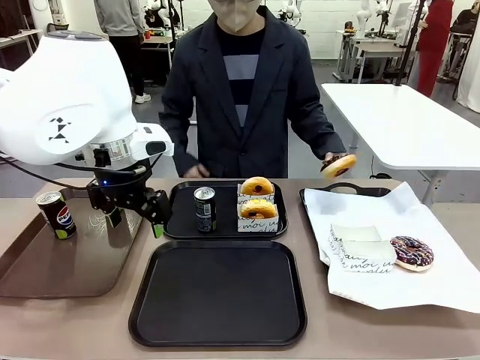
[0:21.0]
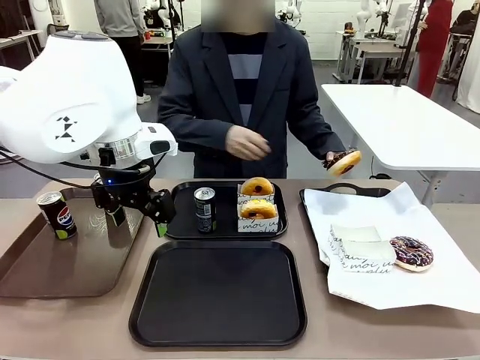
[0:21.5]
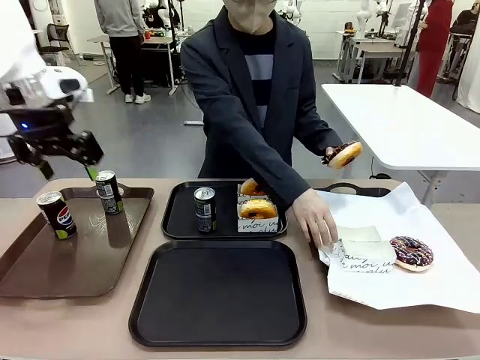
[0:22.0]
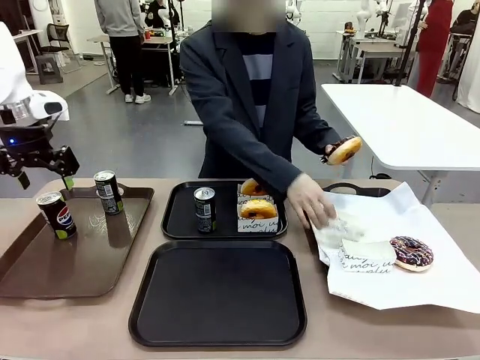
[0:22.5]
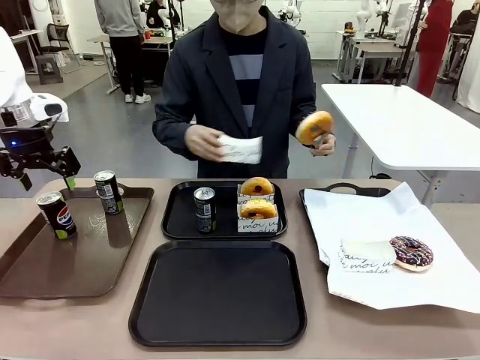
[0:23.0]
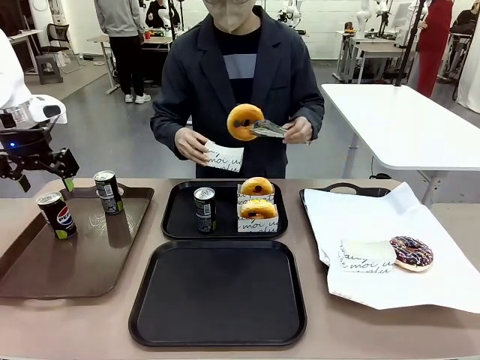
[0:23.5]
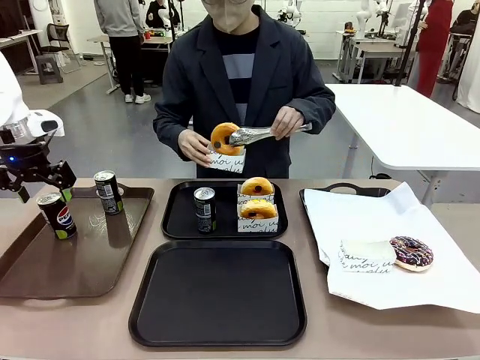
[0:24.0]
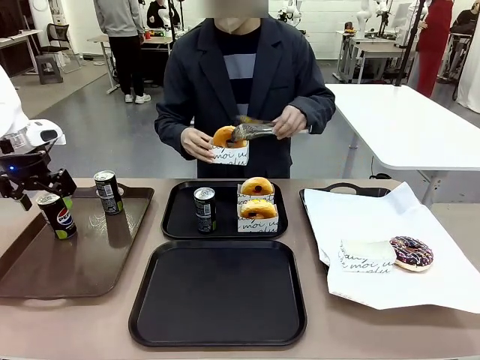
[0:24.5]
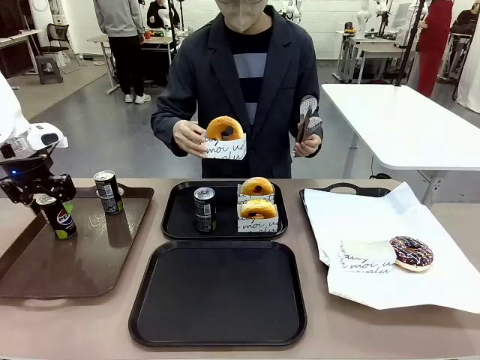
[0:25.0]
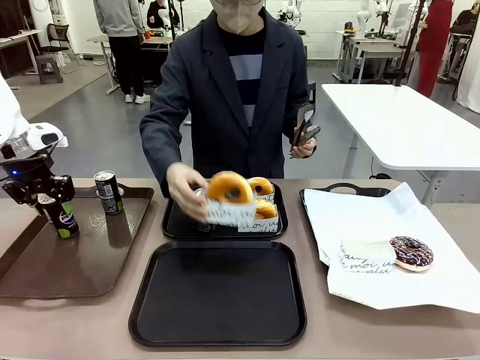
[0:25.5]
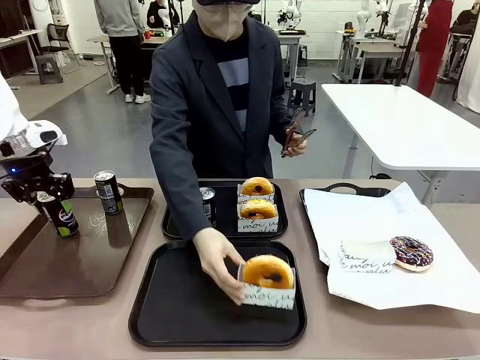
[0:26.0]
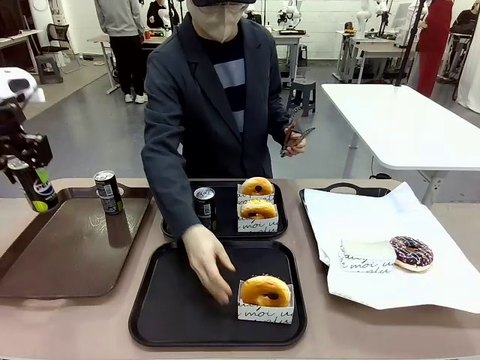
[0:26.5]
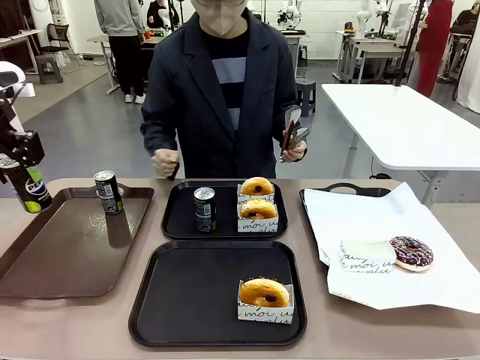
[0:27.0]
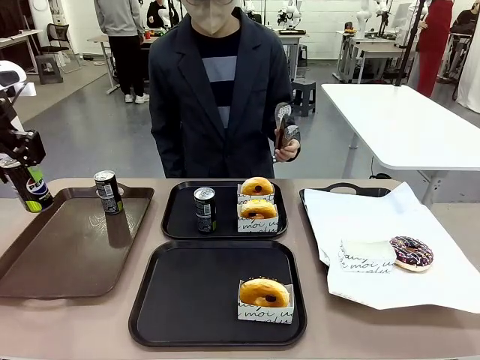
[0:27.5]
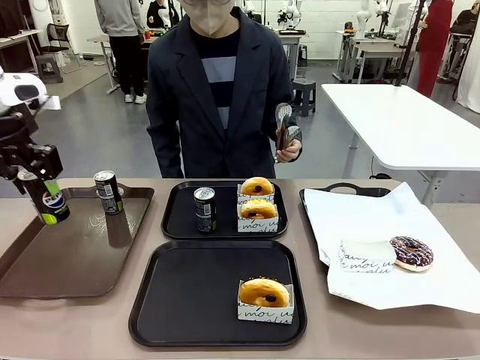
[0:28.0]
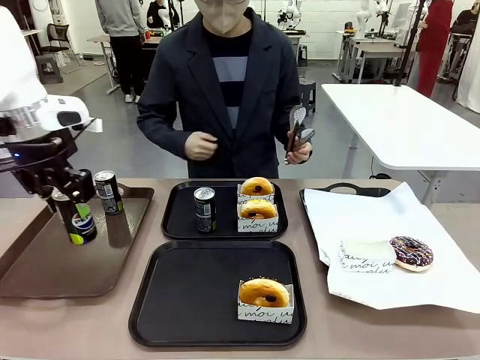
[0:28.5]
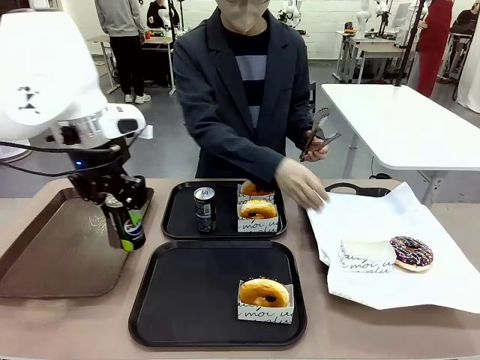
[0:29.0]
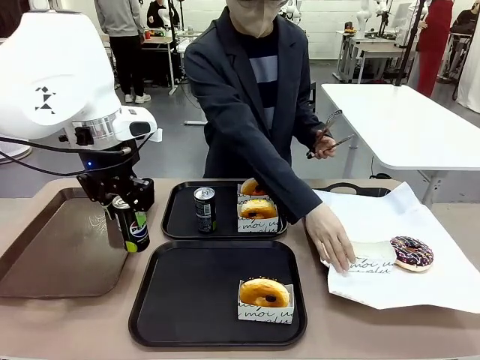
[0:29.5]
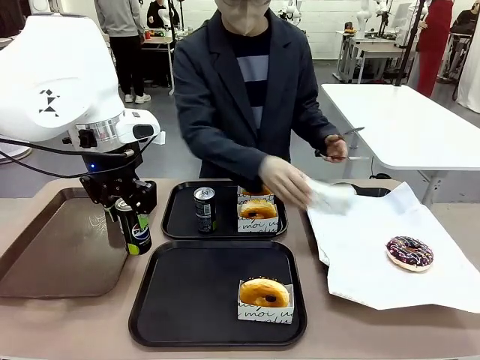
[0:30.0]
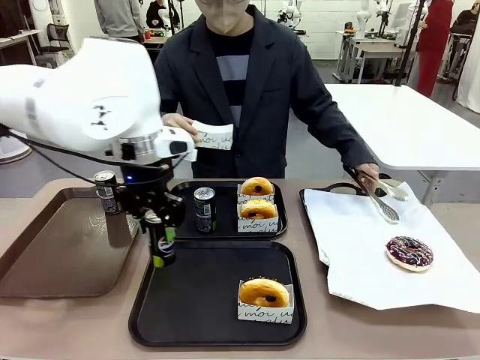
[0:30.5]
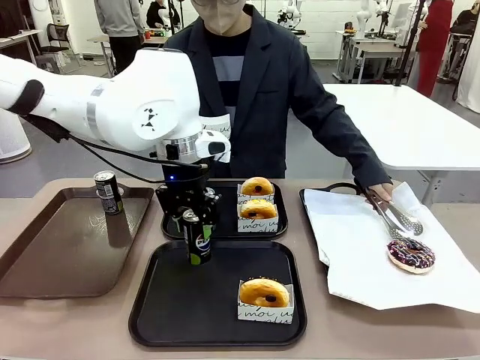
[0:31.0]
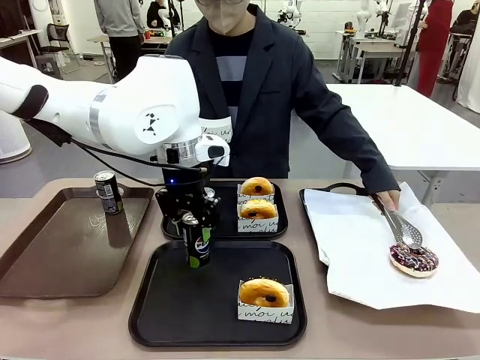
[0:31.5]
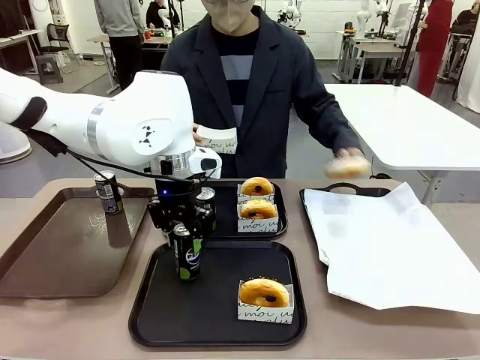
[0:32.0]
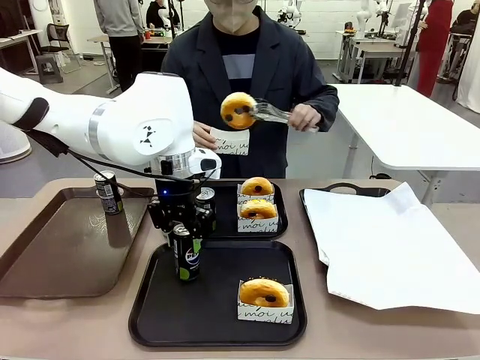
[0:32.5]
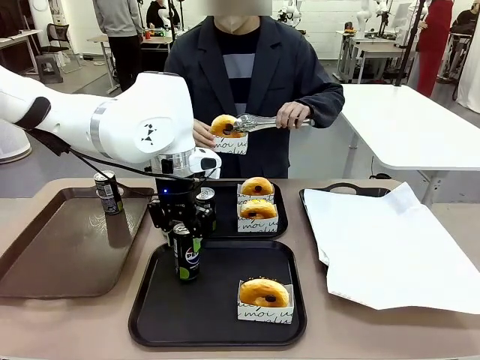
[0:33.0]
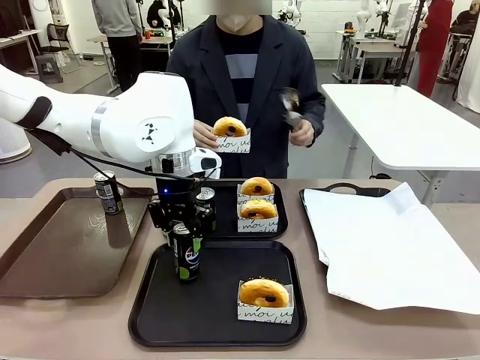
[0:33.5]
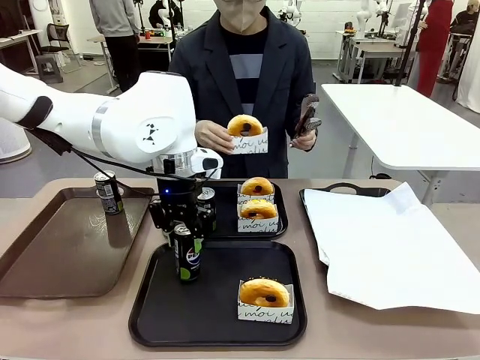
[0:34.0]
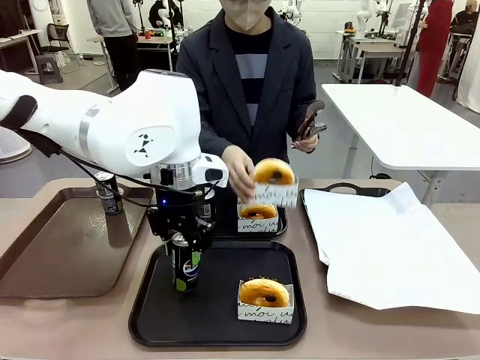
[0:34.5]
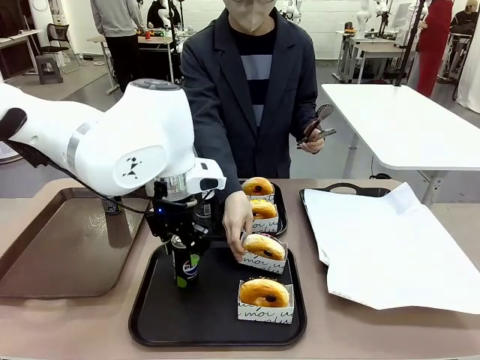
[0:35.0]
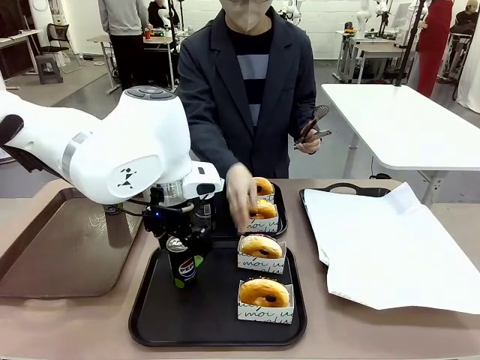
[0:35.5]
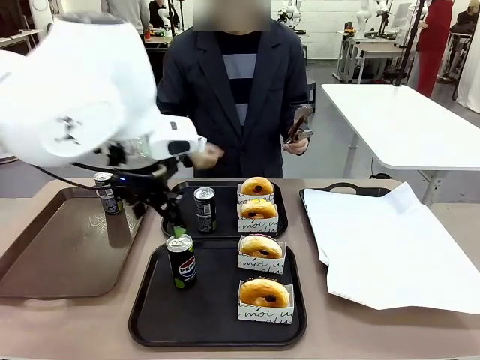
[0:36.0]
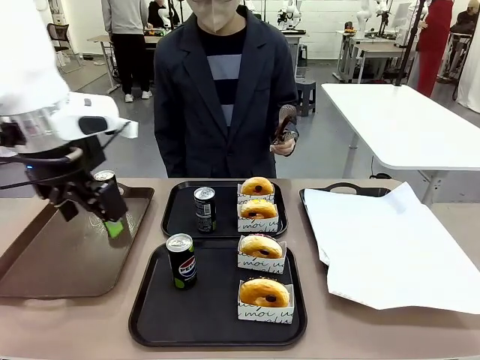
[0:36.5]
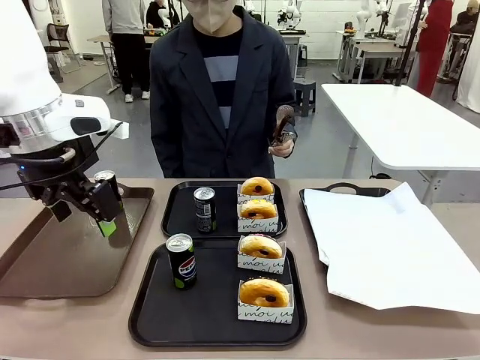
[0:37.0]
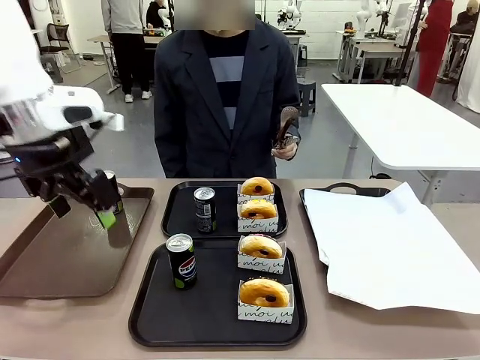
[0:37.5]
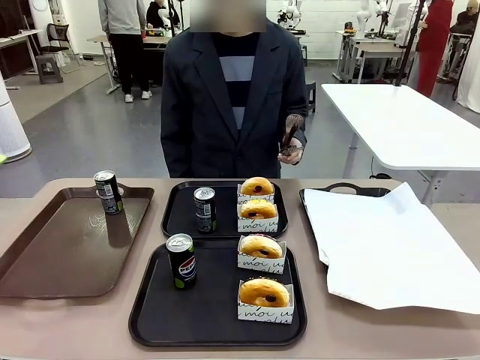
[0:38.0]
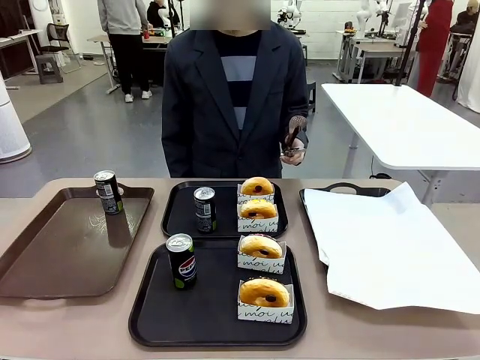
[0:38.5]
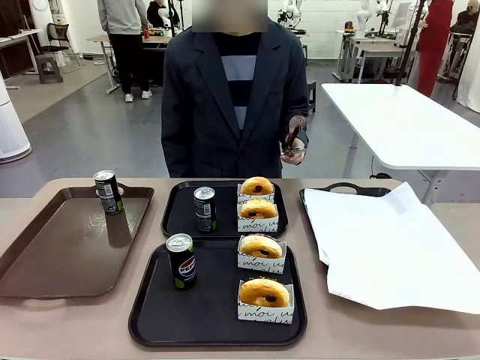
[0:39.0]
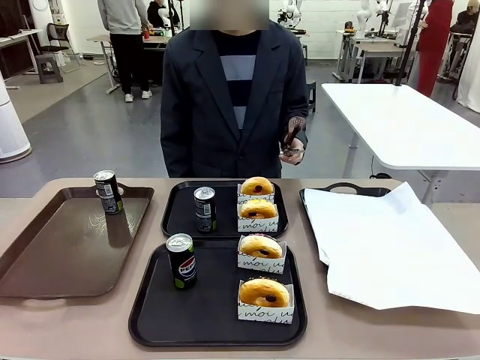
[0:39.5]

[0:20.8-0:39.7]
Task: Set up donuts and drinks on trays.
Robot: Pick up one Pepsi coke from the Handle tray and place it on the Flat Tray without a Pepsi coke.

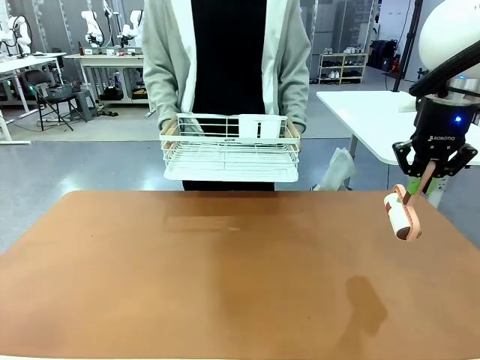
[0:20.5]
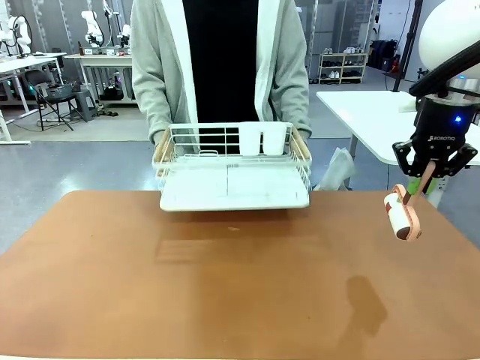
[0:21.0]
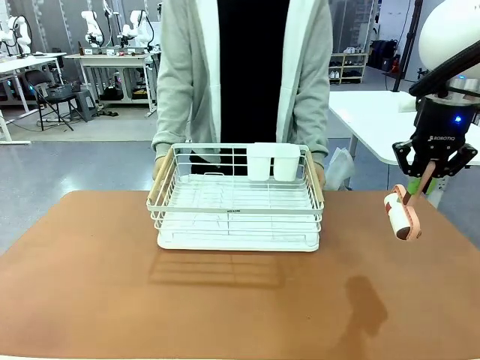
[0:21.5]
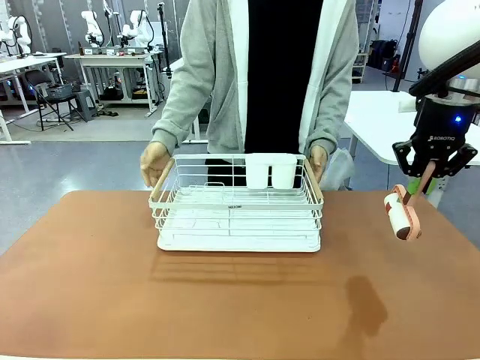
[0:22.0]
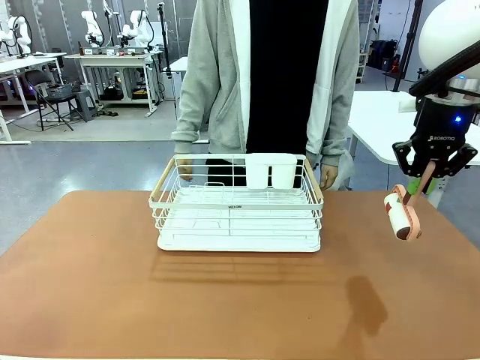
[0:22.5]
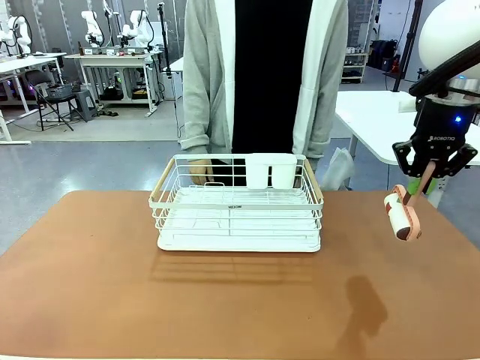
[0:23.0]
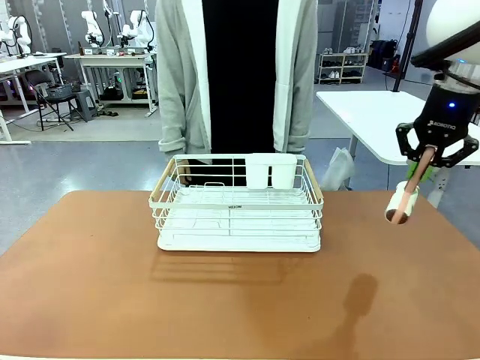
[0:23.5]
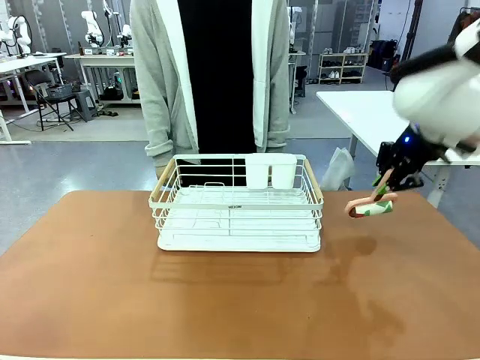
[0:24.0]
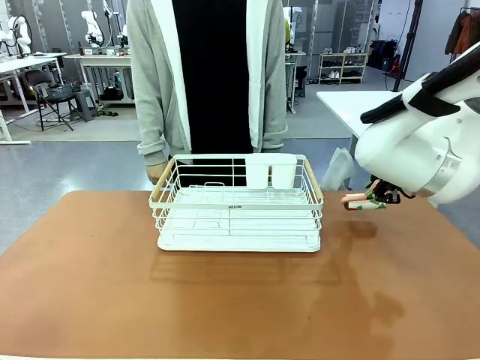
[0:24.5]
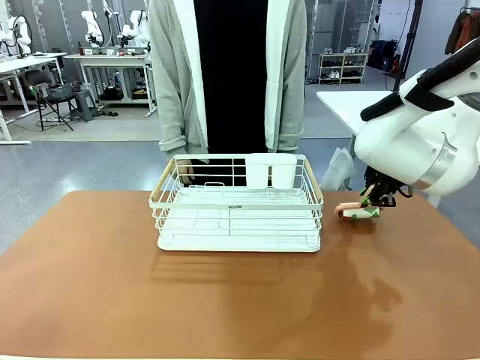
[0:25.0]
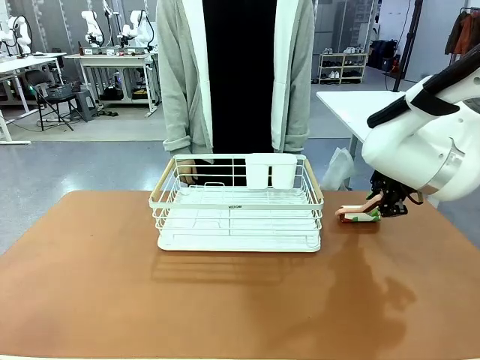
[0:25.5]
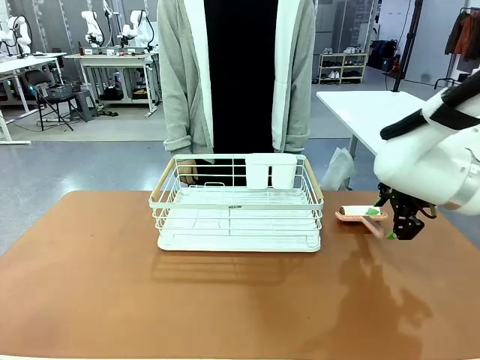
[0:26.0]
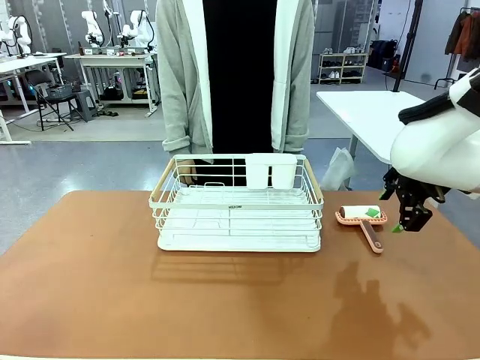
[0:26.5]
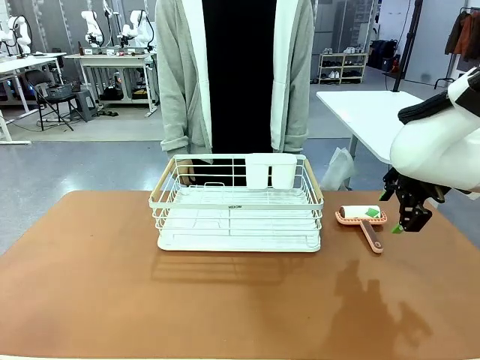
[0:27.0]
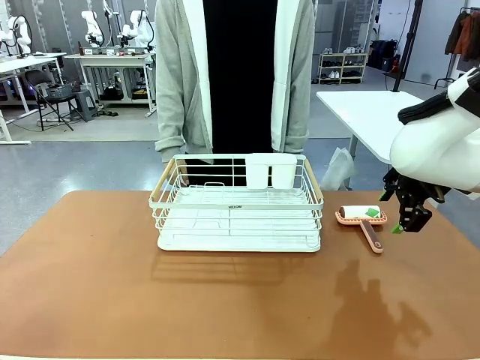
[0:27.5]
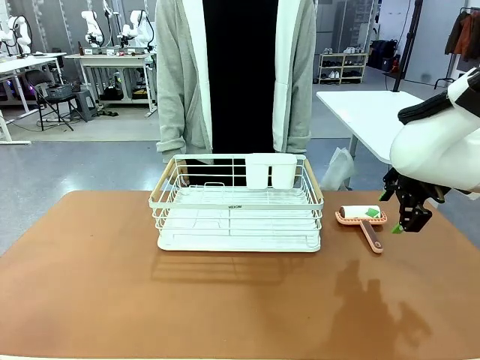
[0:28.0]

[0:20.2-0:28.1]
Task: Clean the table.
Robot: Place the Lint Roller down when the Dish drying rack is positioned in the middle of the table.
